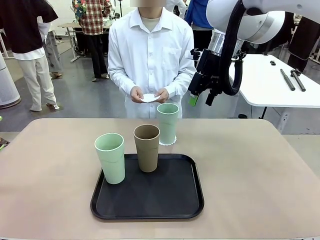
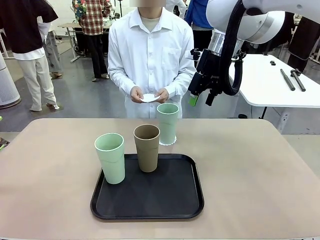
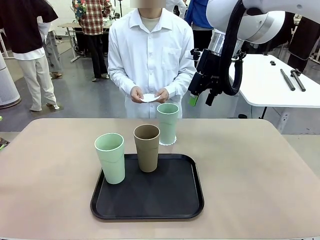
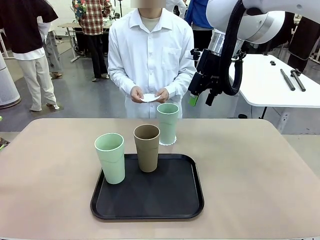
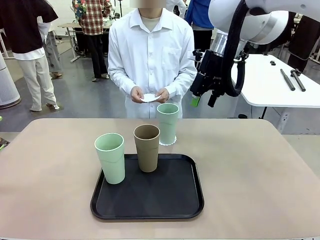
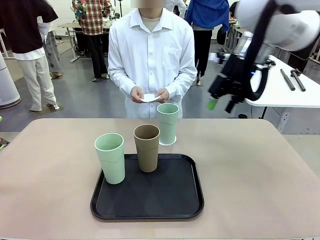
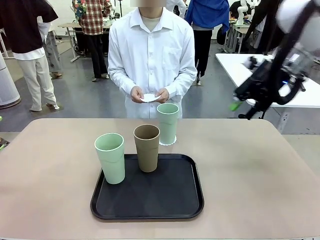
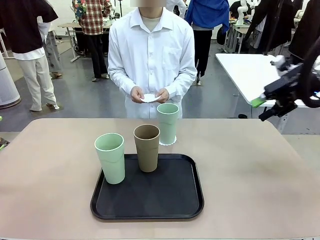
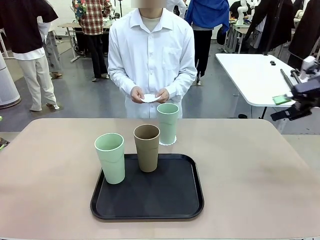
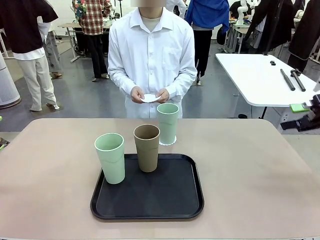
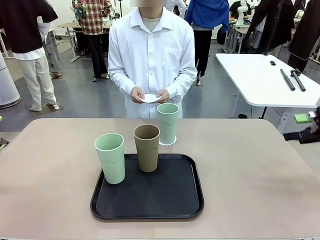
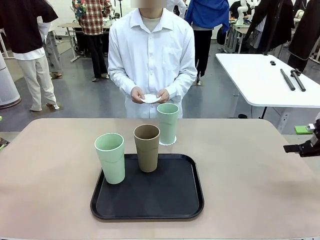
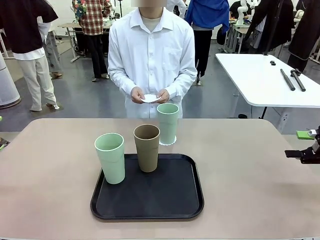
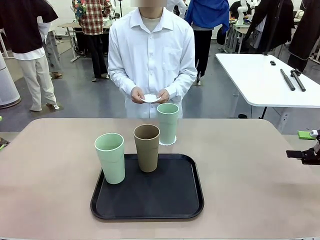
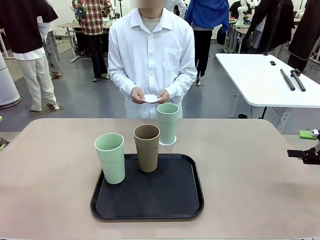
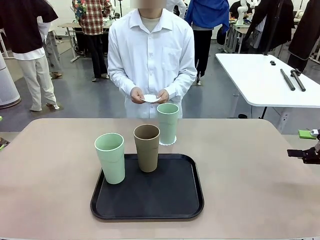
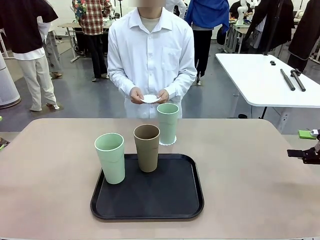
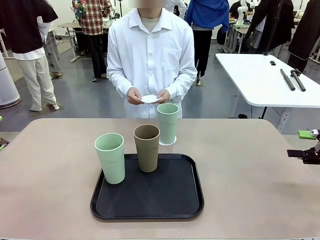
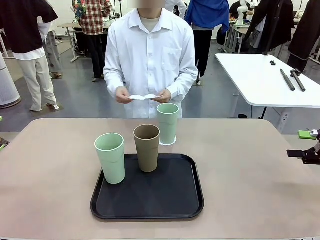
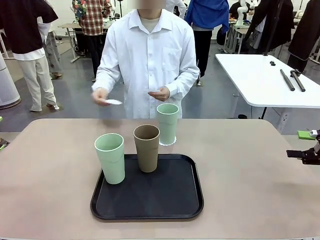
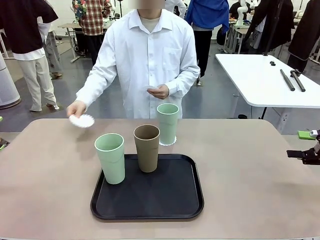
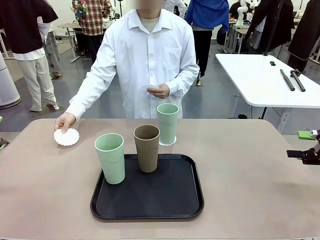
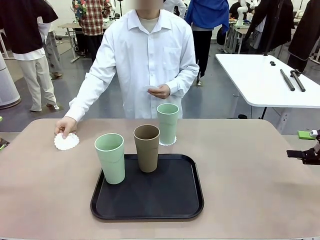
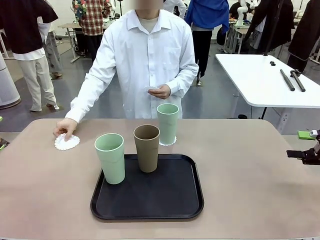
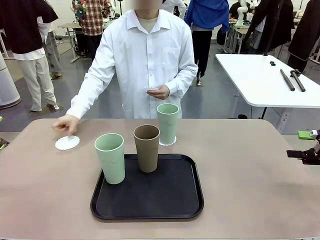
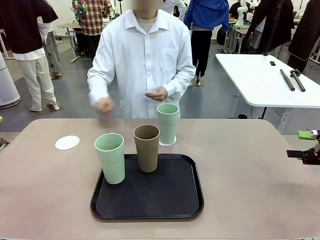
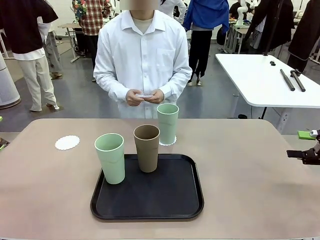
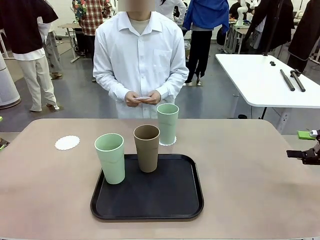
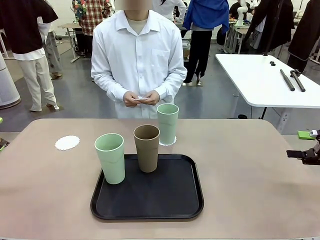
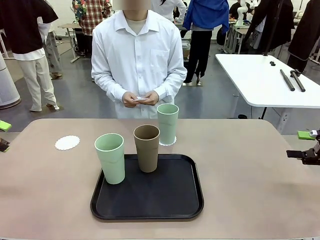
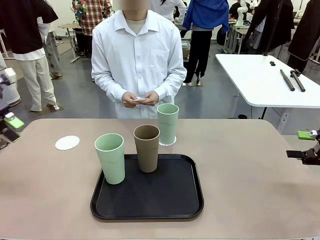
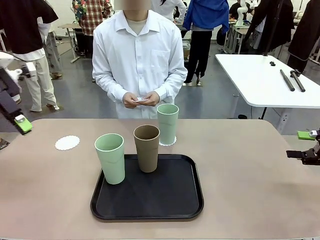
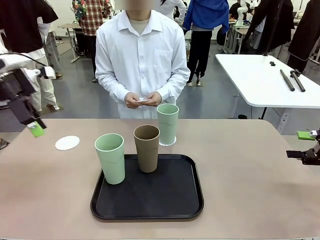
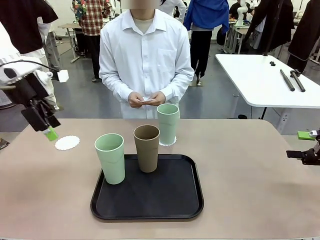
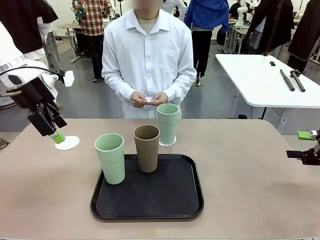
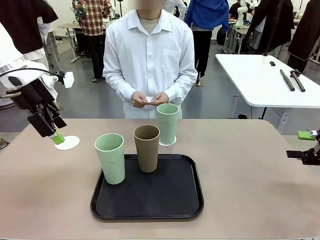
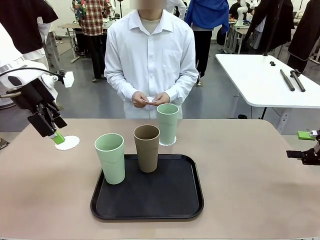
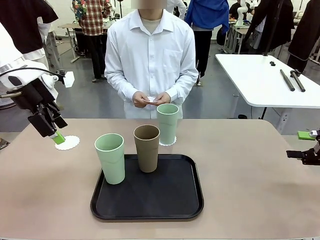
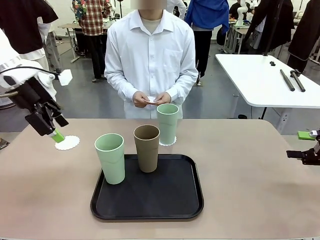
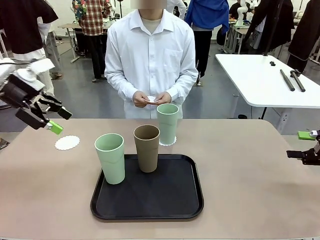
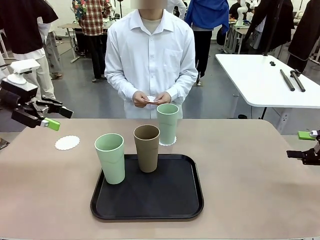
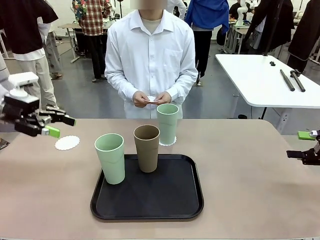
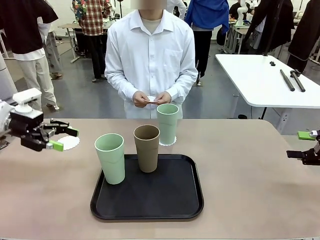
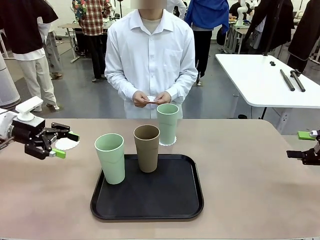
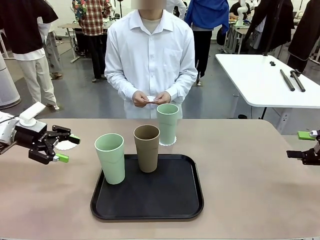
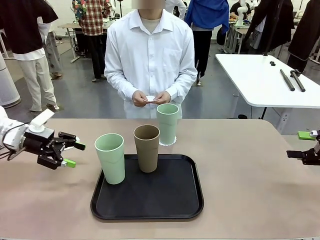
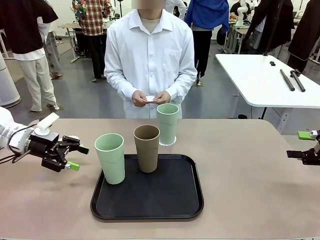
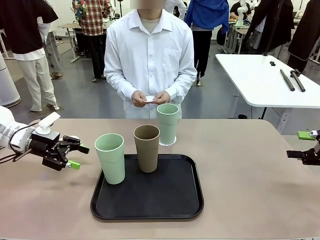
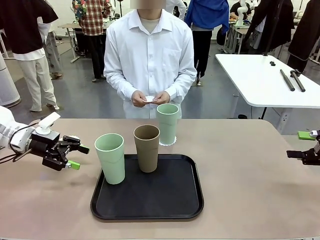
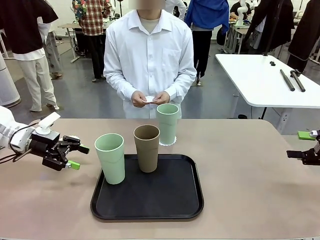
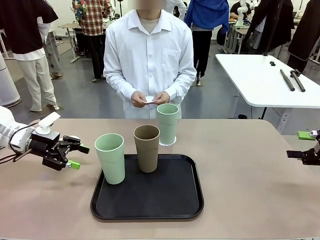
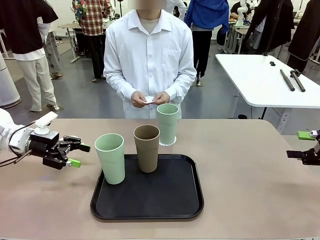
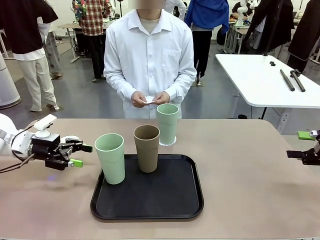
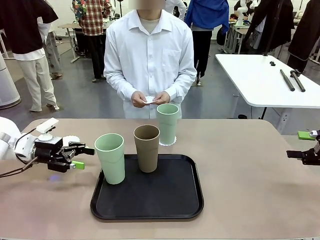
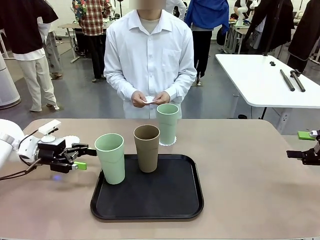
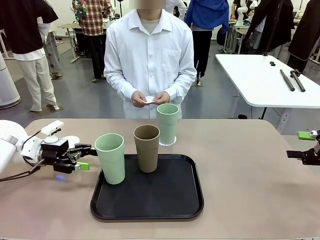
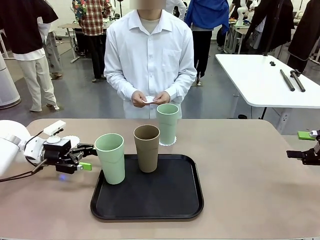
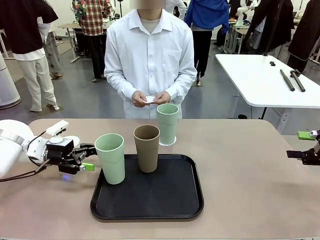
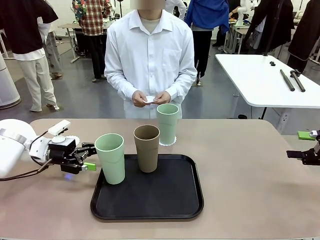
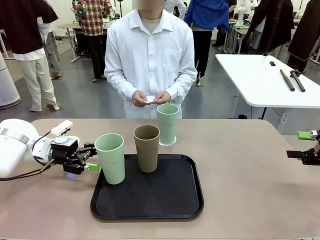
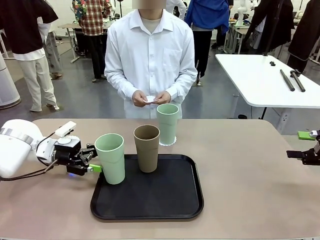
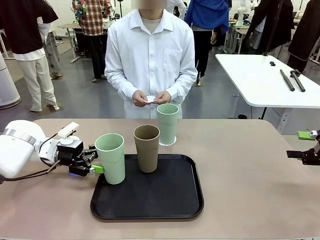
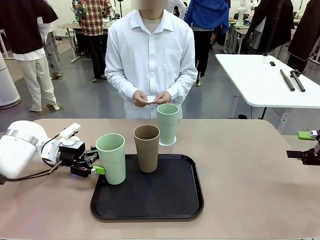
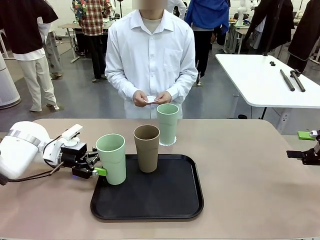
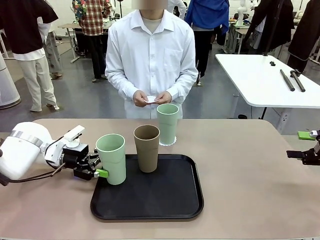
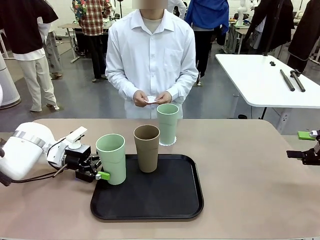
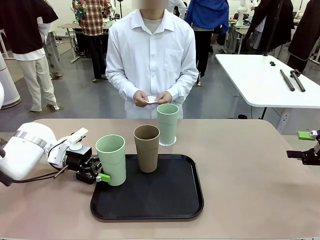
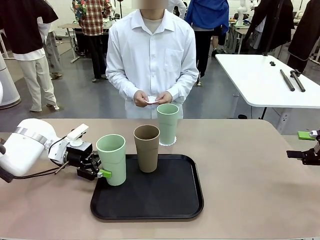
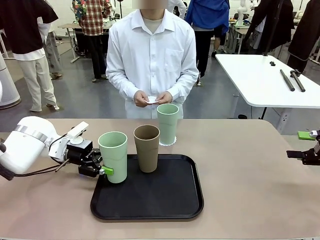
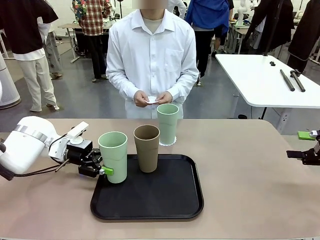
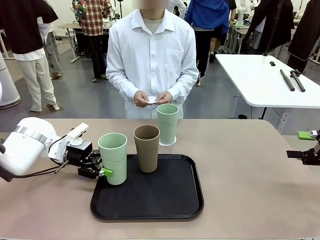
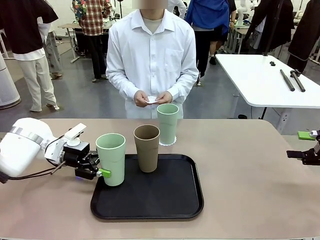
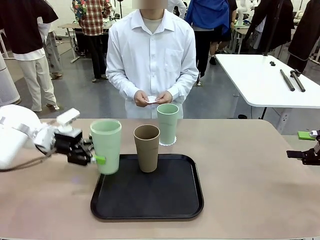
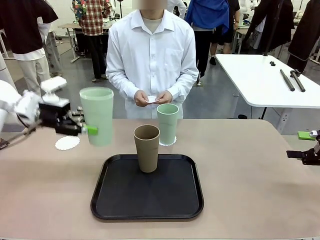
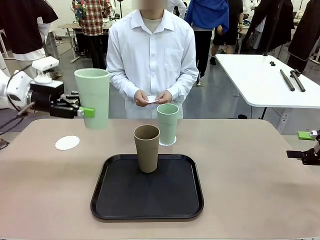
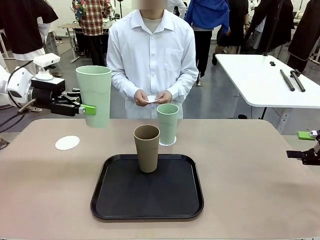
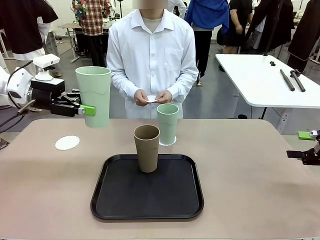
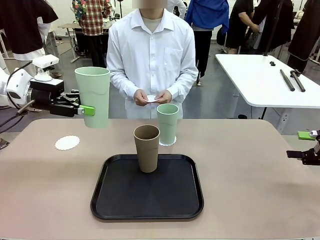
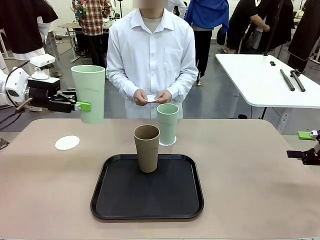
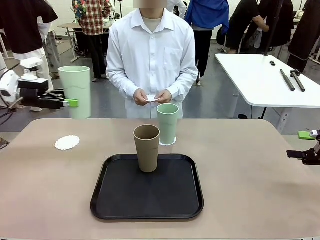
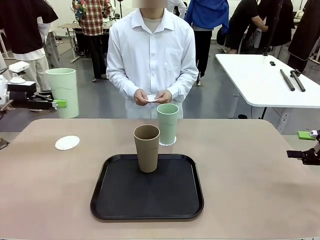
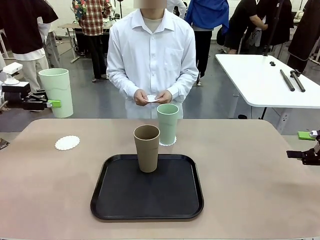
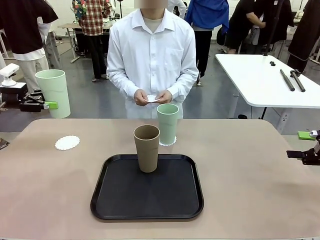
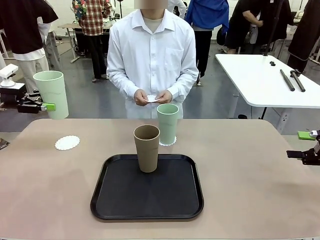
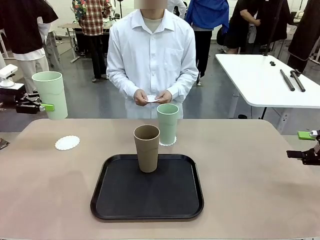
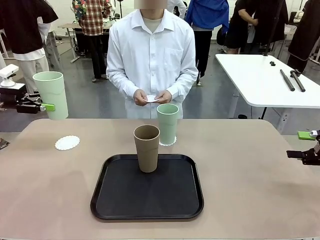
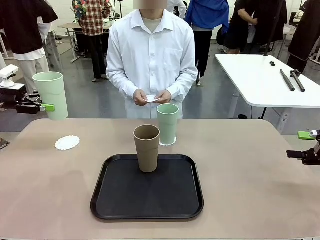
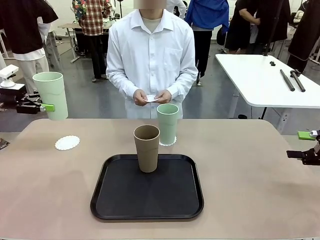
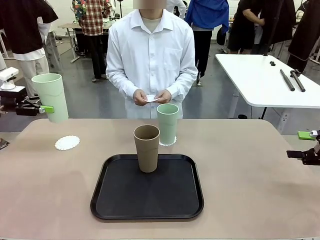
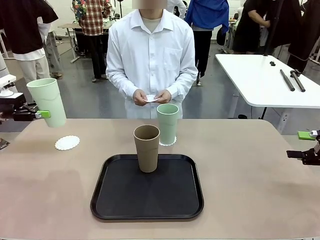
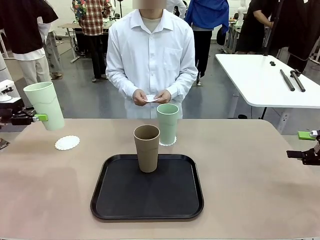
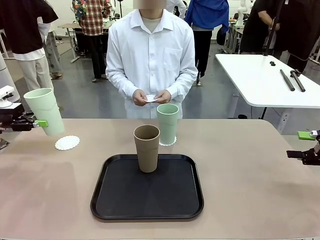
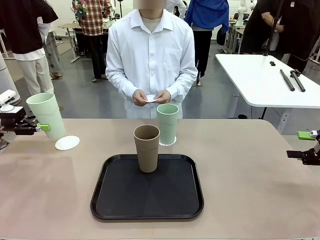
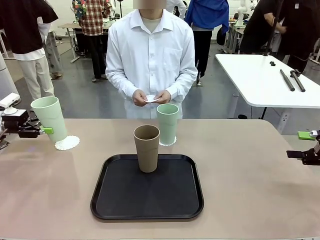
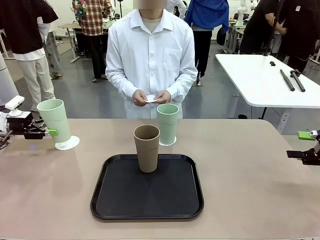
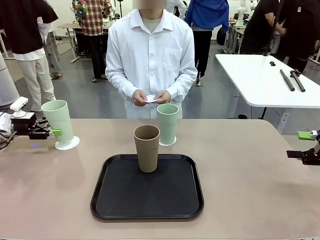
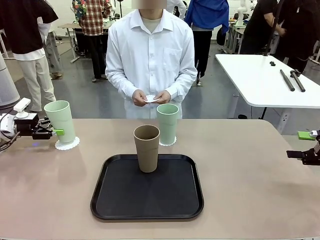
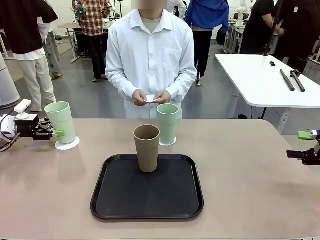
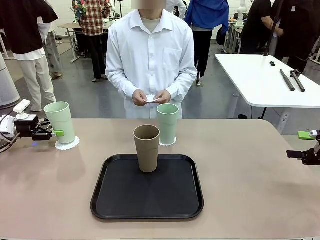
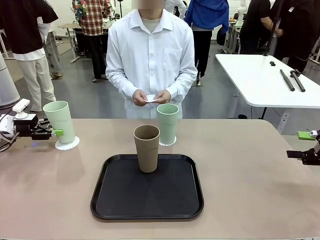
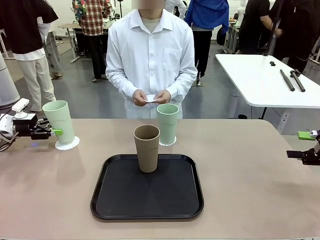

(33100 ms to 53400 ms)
Task: Place coasters on the table and set cups on them.
Robot: Take one Reusable plastic cup from the Flat Tray and place it on a coaster set by the human.
